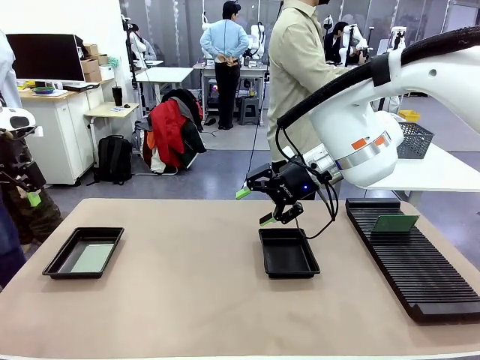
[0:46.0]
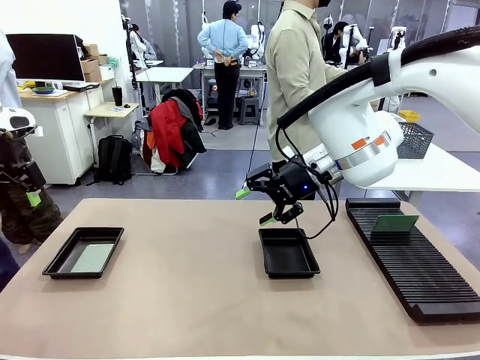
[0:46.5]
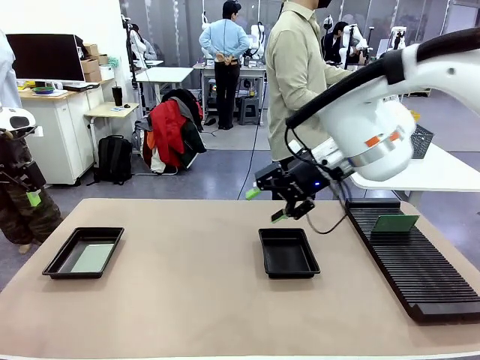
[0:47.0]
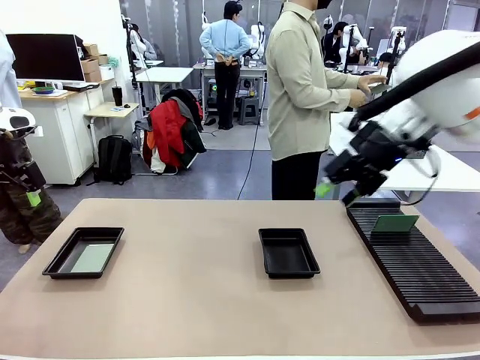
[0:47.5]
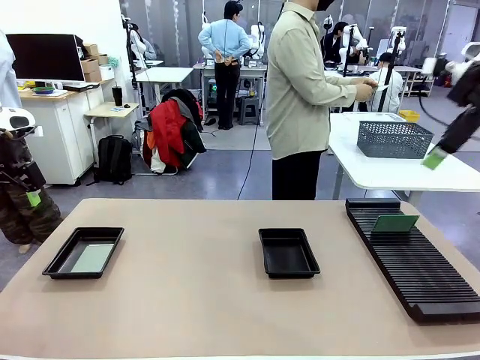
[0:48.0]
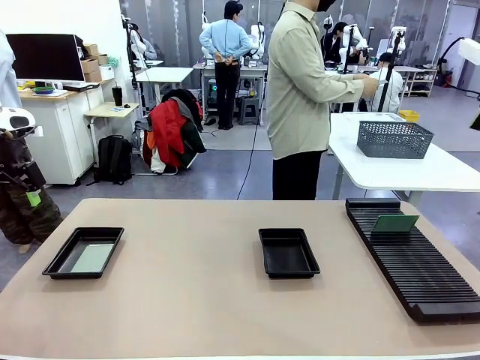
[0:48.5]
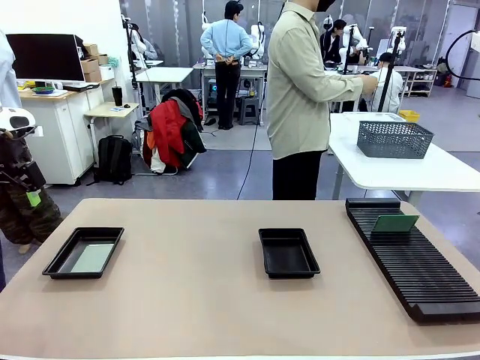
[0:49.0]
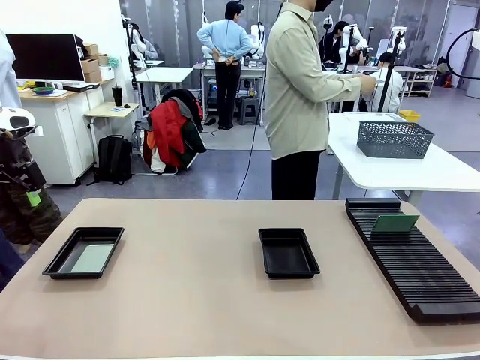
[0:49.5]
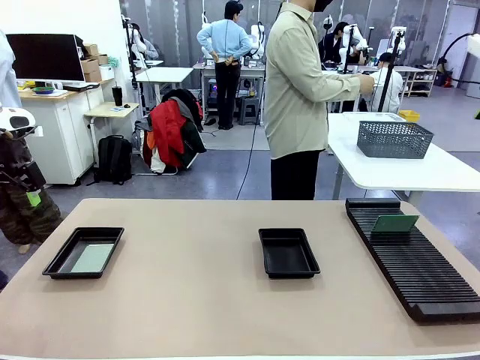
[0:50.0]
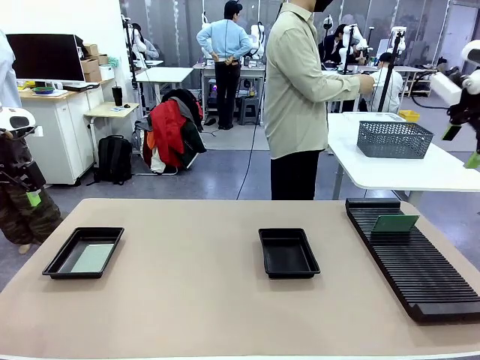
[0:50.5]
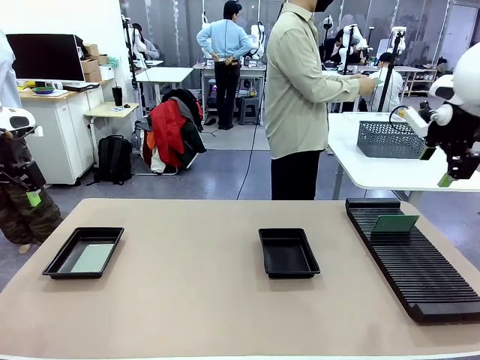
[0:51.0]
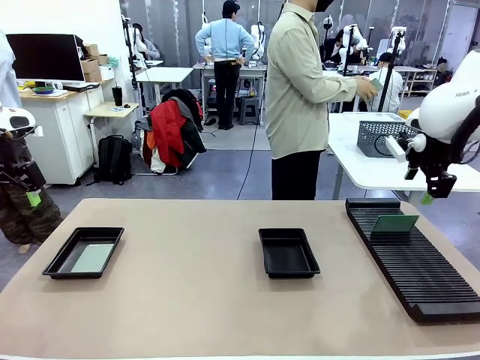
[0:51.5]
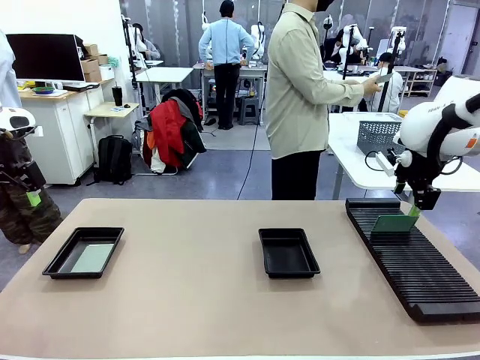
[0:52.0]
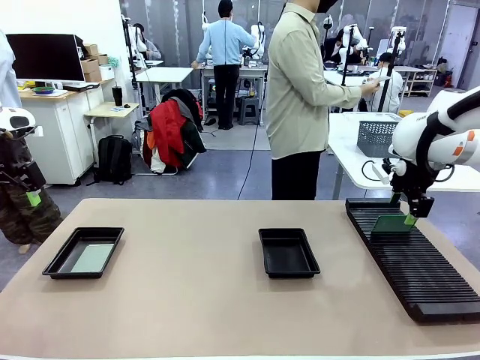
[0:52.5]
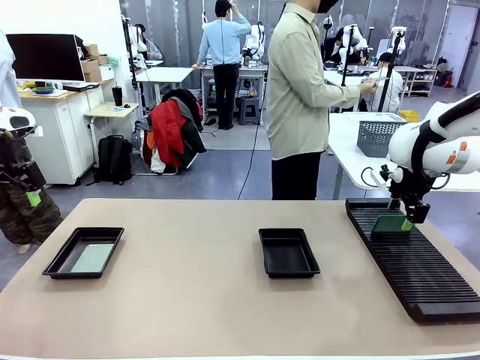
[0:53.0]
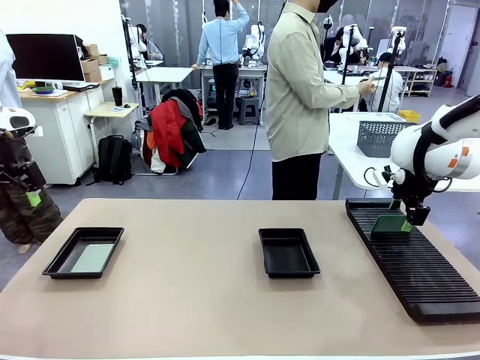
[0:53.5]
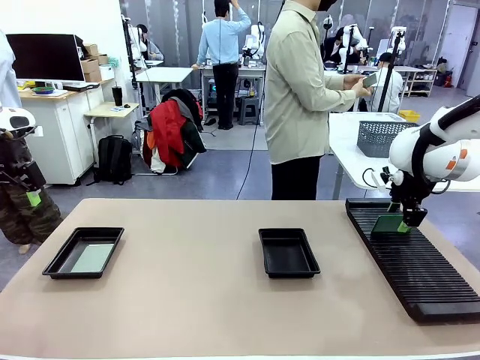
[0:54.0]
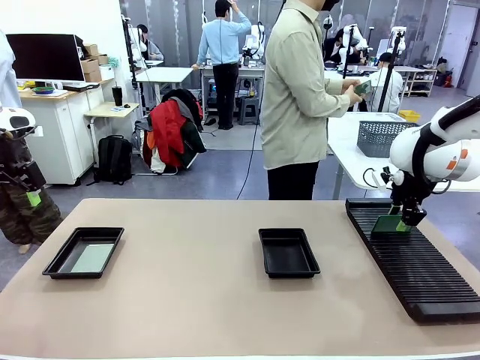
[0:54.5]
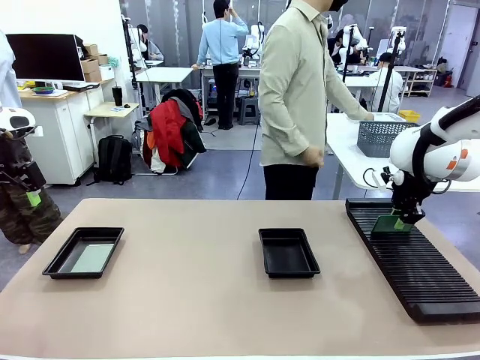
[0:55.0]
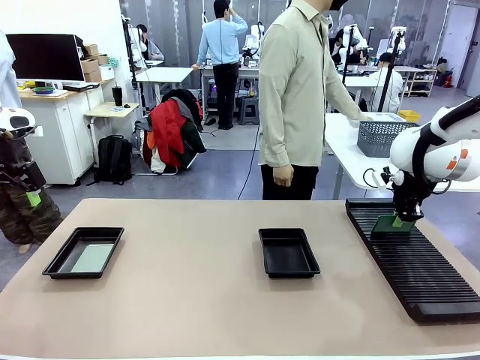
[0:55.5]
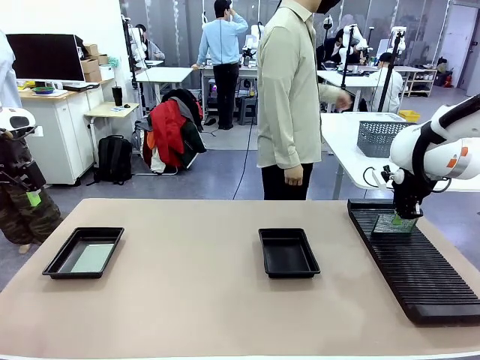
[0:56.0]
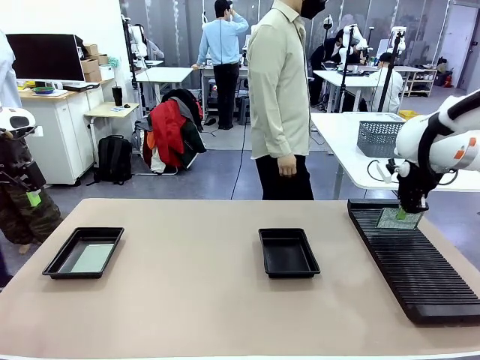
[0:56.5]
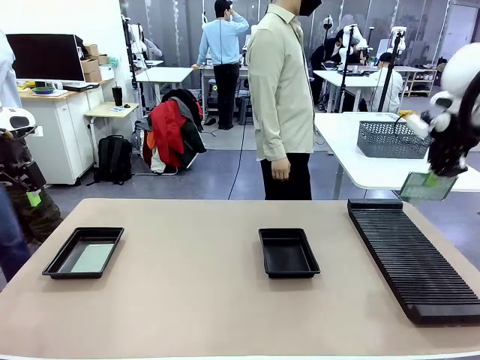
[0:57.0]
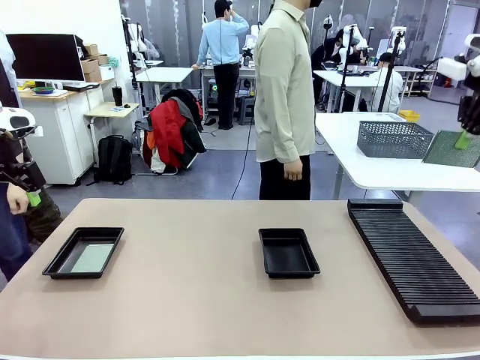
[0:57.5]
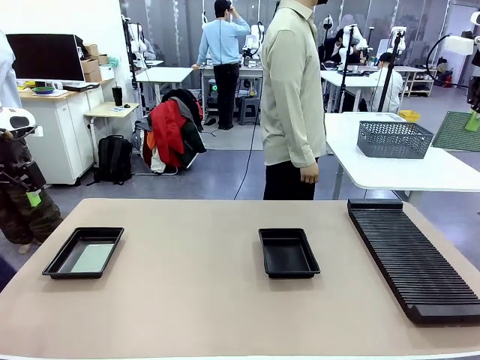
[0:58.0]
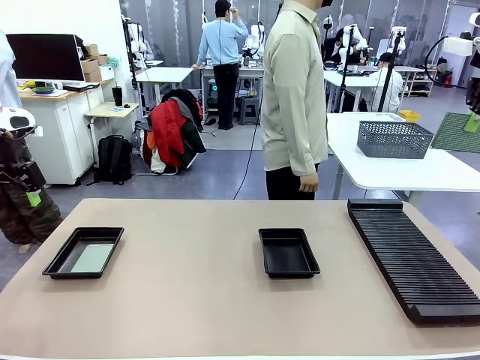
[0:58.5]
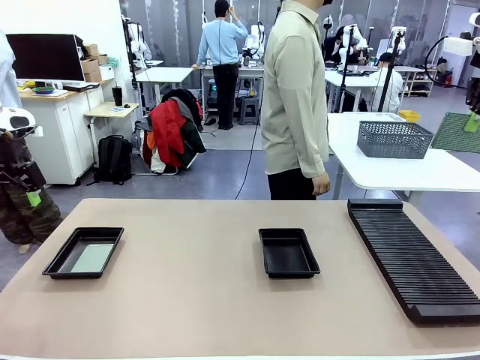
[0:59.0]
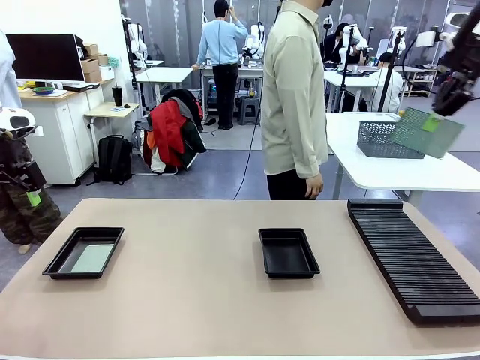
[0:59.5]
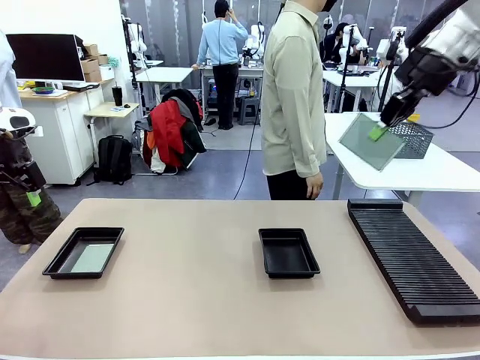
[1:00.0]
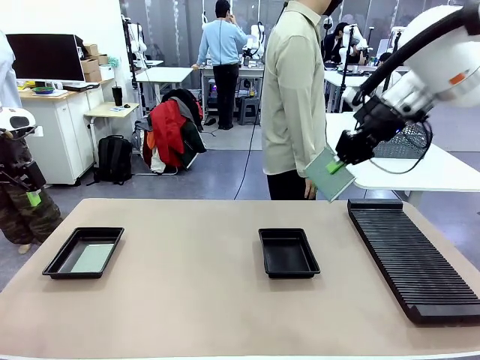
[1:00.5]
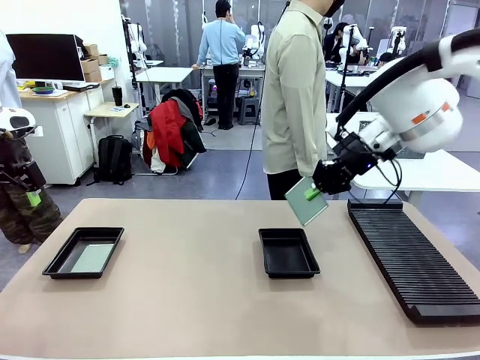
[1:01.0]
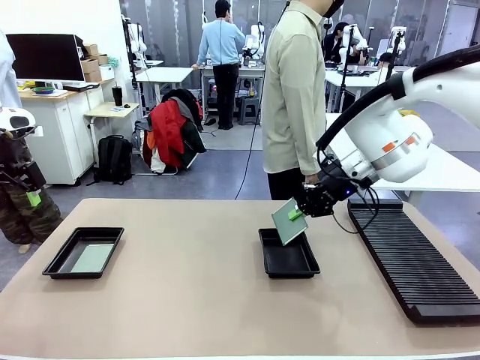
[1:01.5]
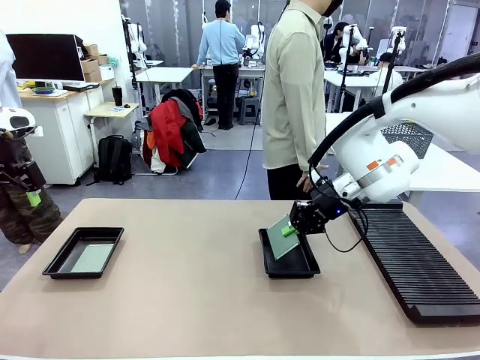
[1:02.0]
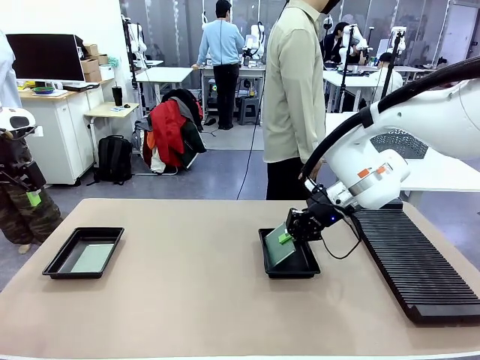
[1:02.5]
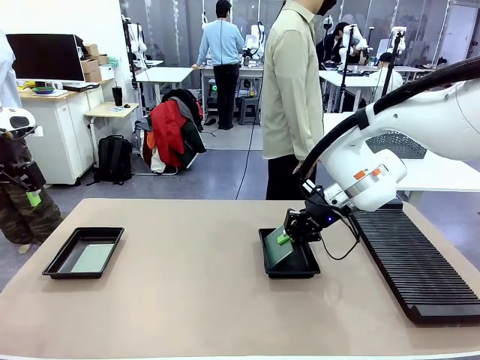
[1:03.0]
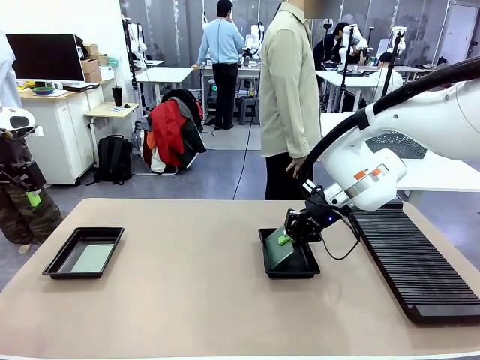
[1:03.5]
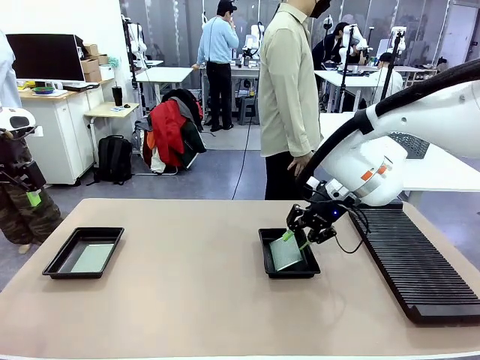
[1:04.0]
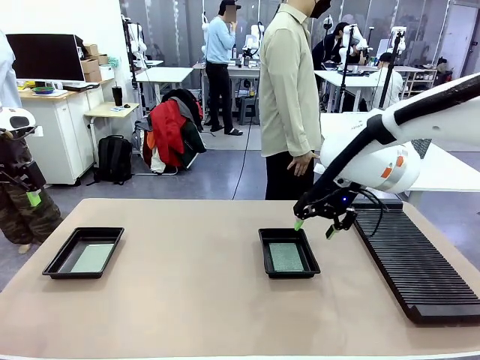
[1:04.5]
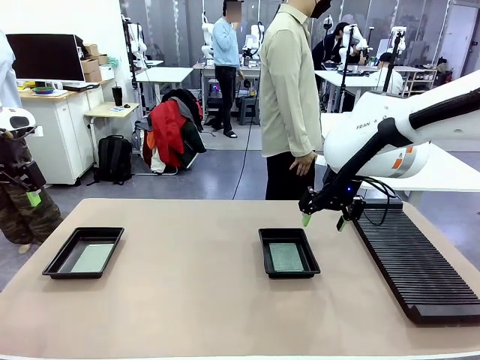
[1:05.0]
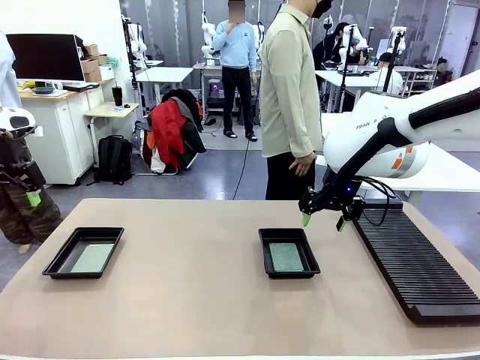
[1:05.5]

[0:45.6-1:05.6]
Task: Inspect and transfer BCBs to ESD trays.
Robot: Pick up the Blank PCB from the PCB Rack and place it in the right ESD tray.

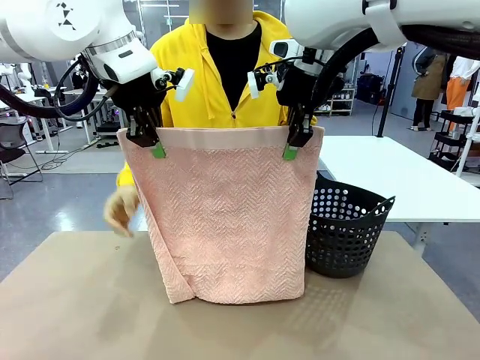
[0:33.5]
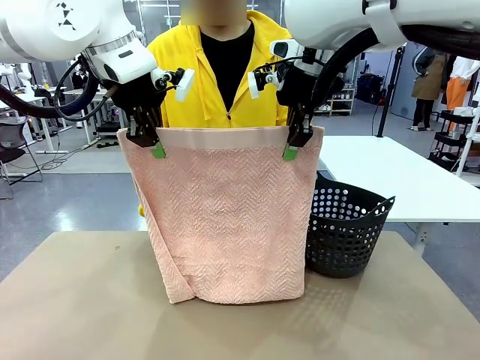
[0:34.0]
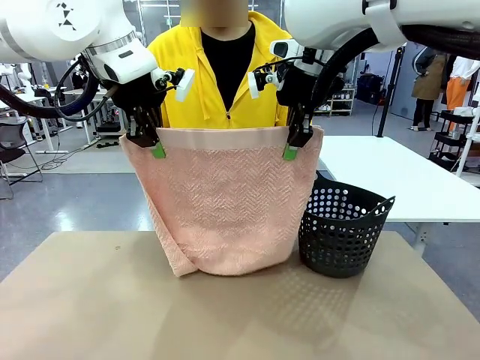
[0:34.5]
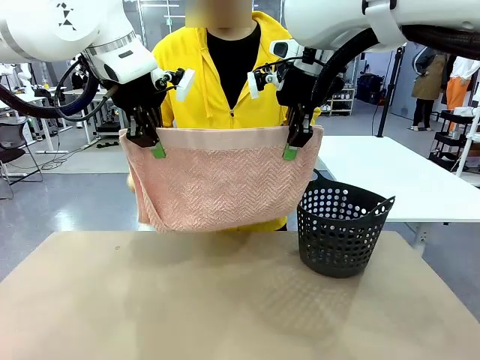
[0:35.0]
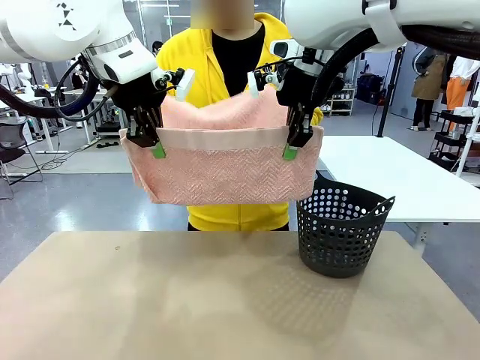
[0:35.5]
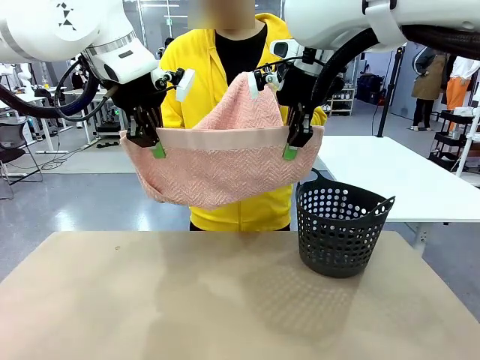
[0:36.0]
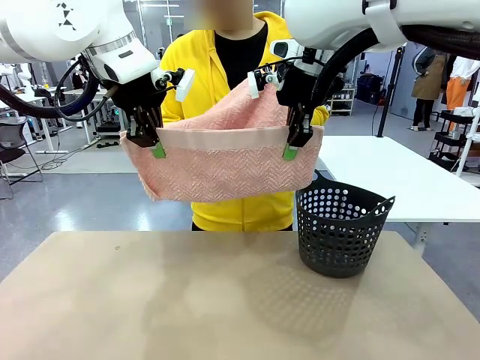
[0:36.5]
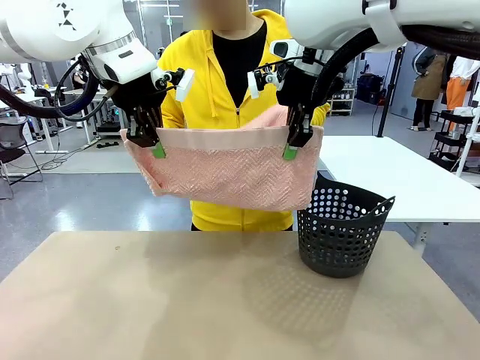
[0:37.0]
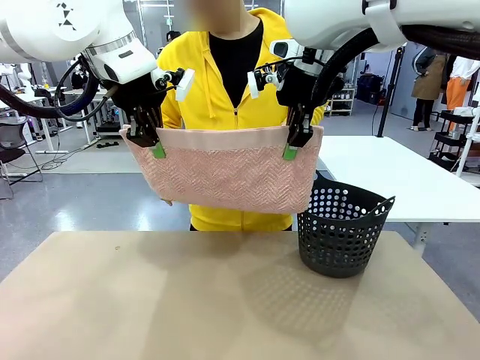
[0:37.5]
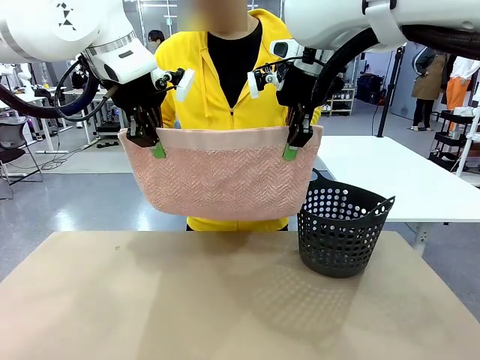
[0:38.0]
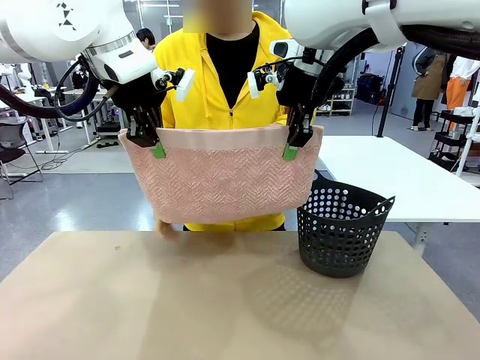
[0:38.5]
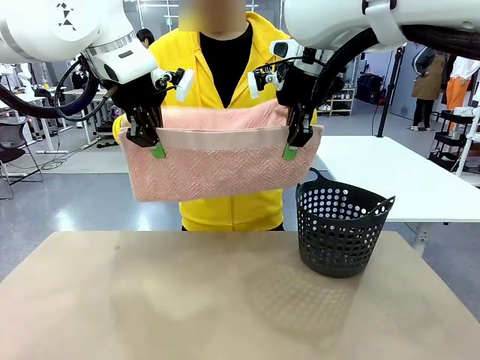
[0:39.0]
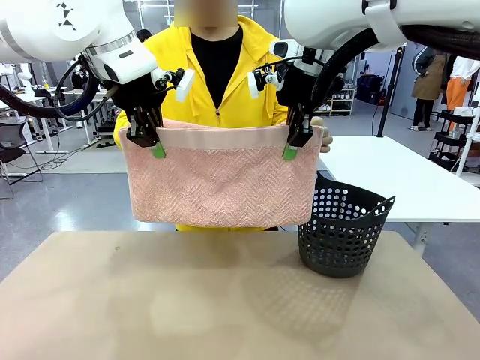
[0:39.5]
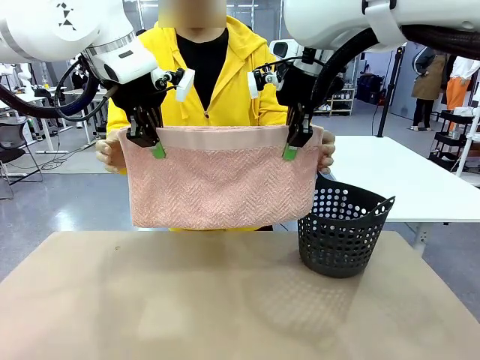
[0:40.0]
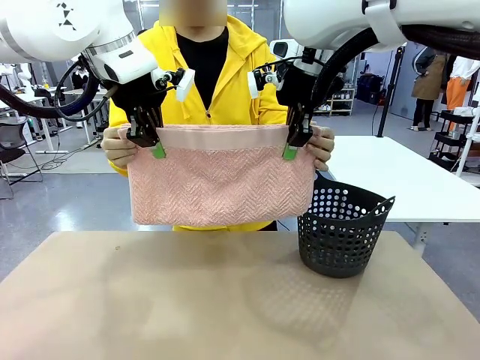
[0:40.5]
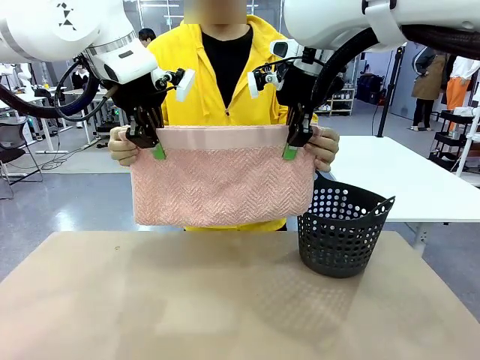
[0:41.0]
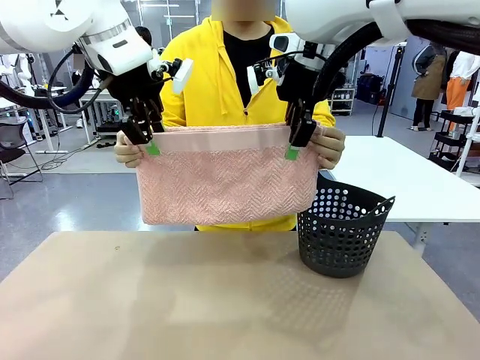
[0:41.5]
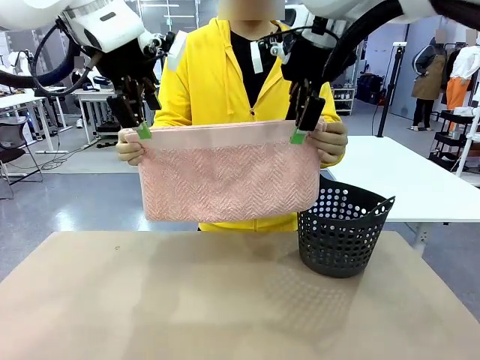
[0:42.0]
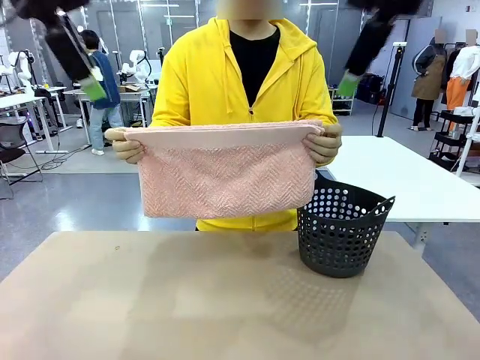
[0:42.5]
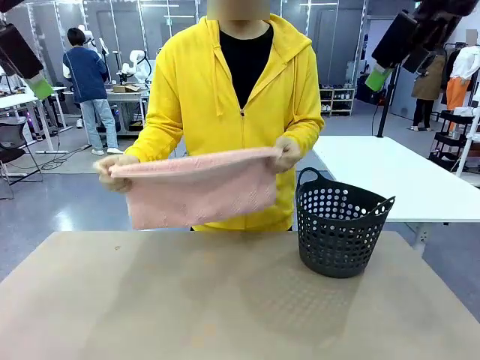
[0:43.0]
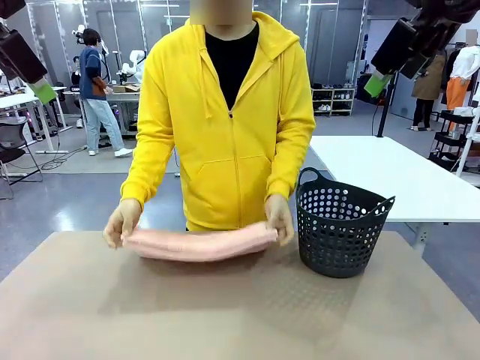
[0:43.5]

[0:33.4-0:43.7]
Task: Fold the towel.
Robot: Release the end of the 100 cm Hotel Towel you were holding.
Person: Place the towel at the center of the robot table and fold it in half.
